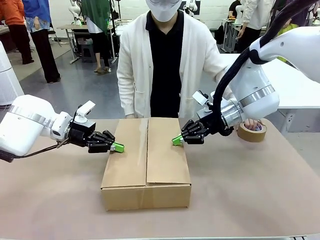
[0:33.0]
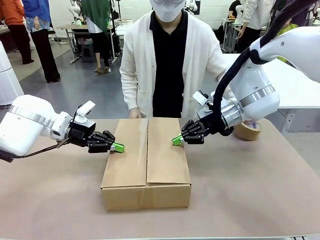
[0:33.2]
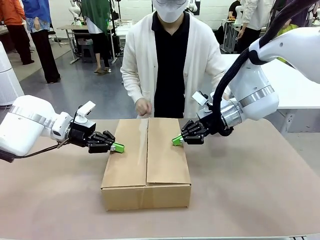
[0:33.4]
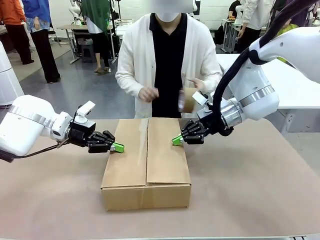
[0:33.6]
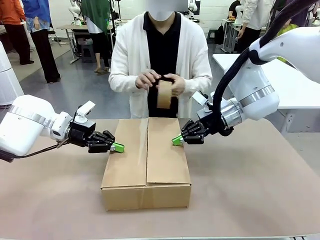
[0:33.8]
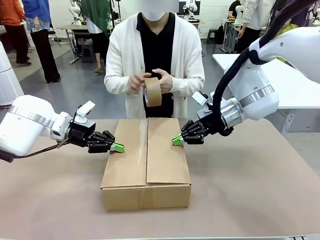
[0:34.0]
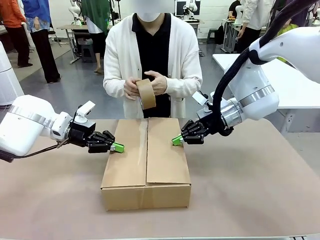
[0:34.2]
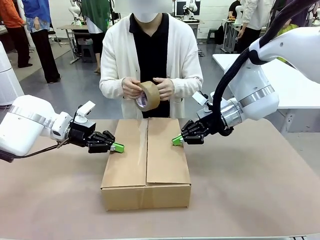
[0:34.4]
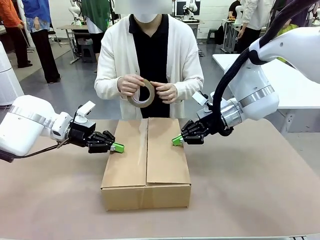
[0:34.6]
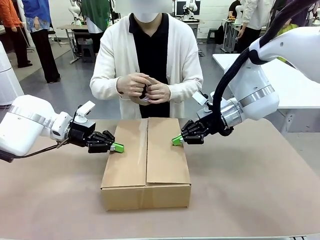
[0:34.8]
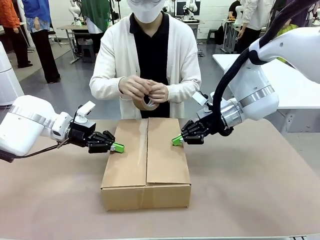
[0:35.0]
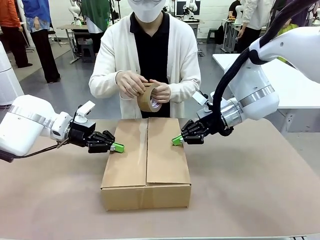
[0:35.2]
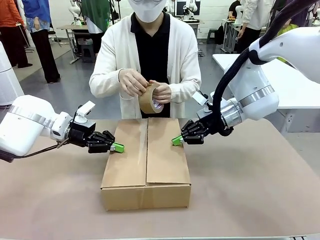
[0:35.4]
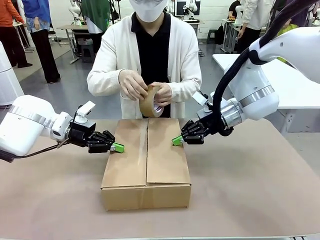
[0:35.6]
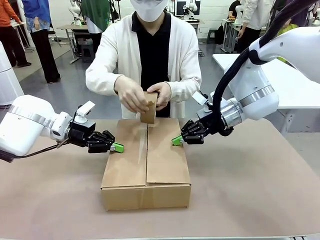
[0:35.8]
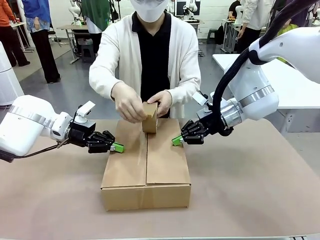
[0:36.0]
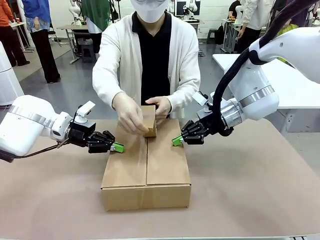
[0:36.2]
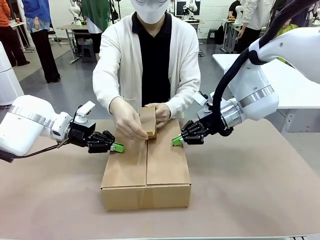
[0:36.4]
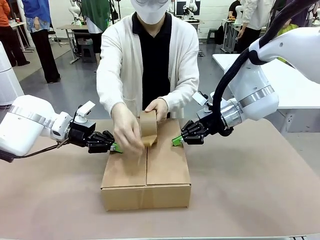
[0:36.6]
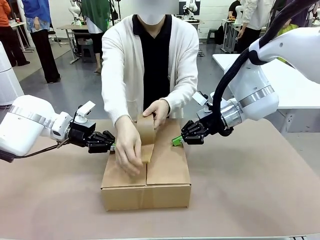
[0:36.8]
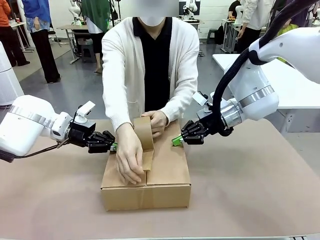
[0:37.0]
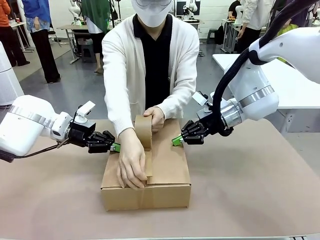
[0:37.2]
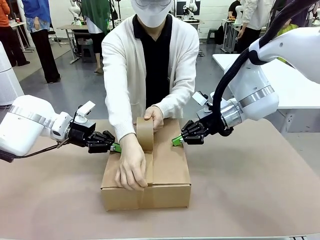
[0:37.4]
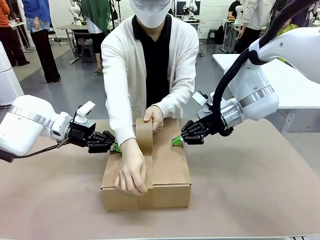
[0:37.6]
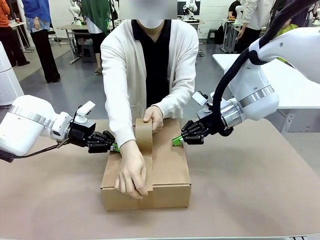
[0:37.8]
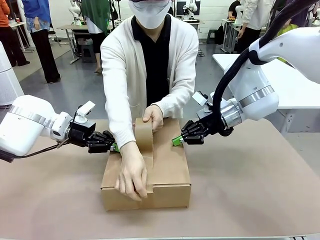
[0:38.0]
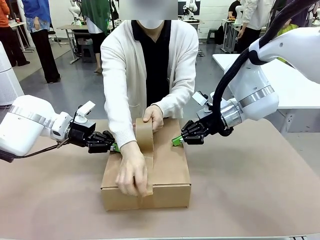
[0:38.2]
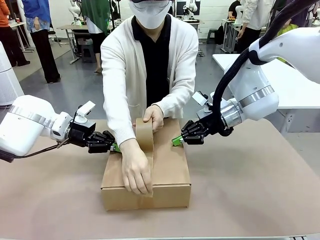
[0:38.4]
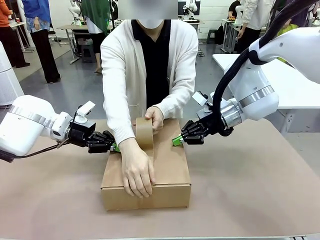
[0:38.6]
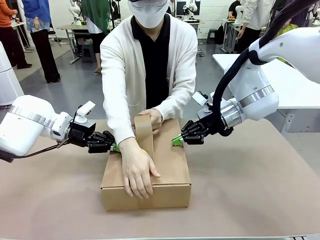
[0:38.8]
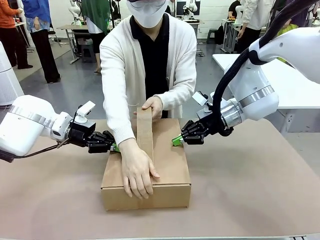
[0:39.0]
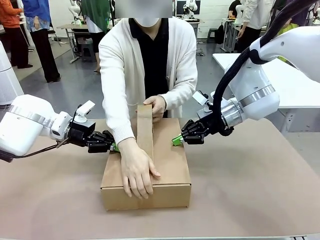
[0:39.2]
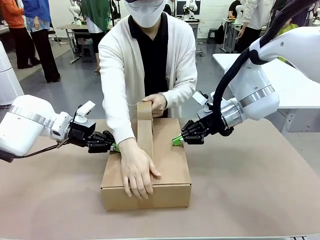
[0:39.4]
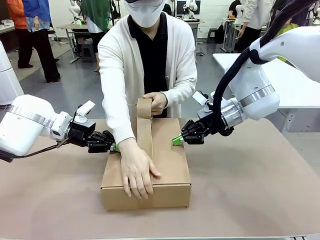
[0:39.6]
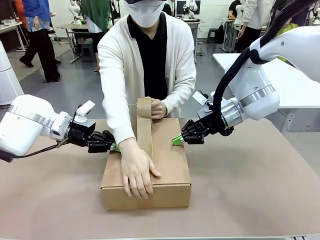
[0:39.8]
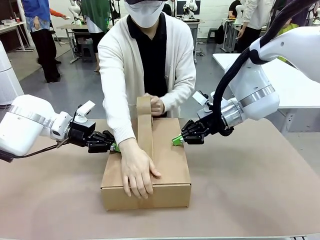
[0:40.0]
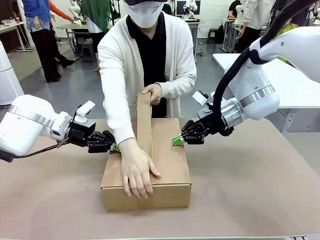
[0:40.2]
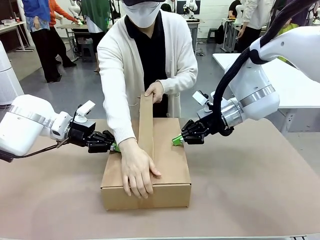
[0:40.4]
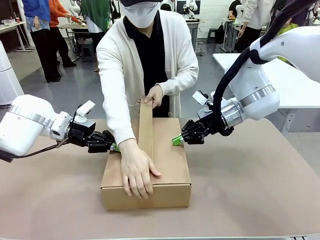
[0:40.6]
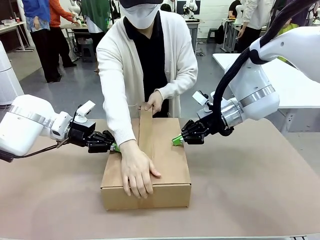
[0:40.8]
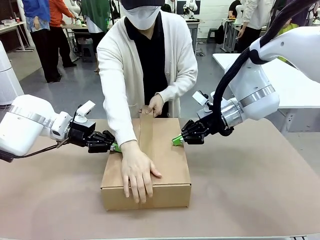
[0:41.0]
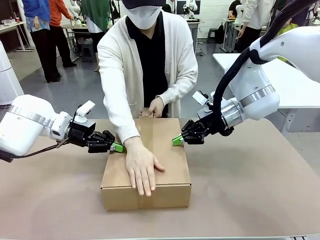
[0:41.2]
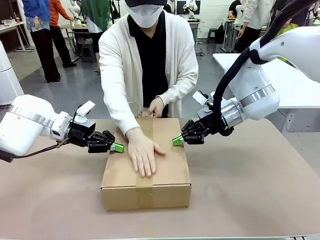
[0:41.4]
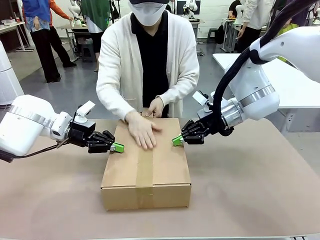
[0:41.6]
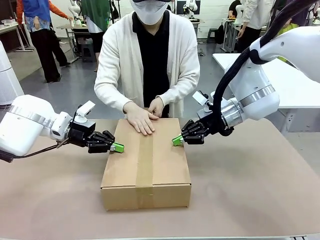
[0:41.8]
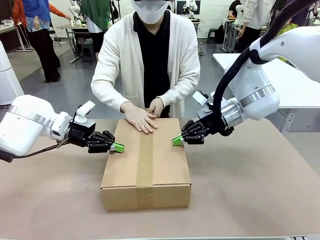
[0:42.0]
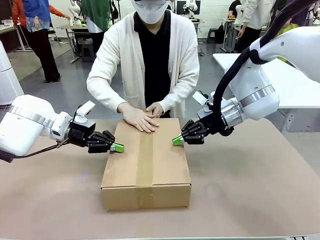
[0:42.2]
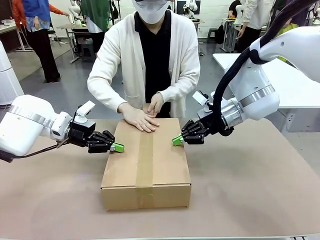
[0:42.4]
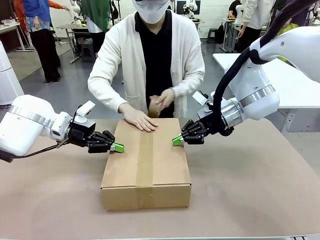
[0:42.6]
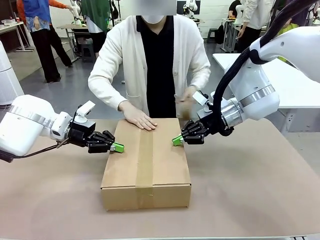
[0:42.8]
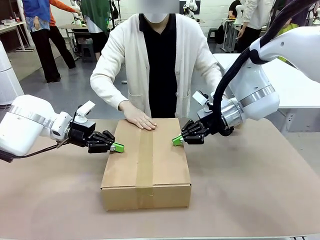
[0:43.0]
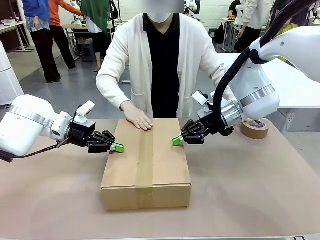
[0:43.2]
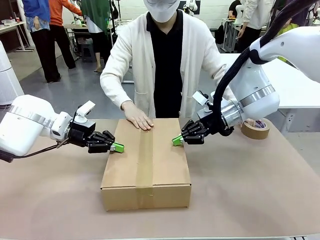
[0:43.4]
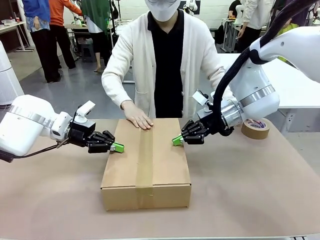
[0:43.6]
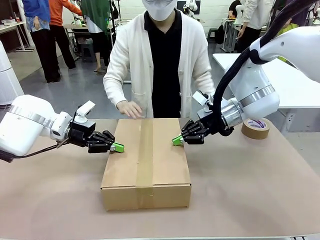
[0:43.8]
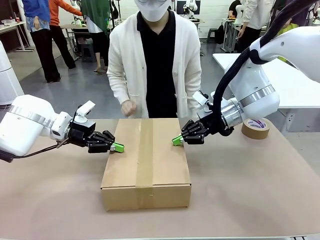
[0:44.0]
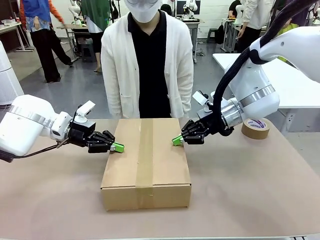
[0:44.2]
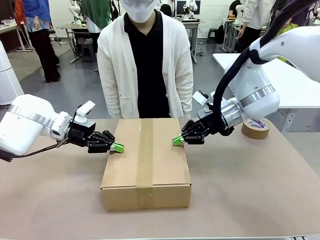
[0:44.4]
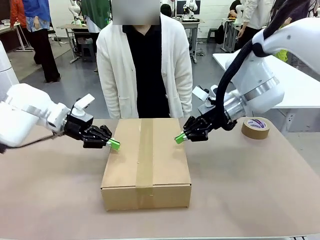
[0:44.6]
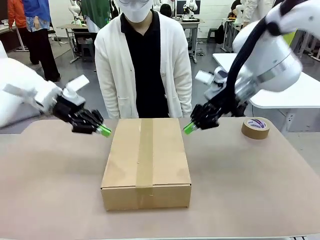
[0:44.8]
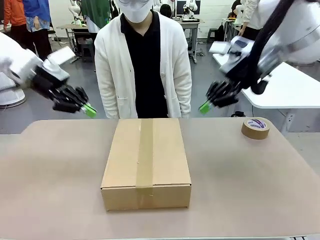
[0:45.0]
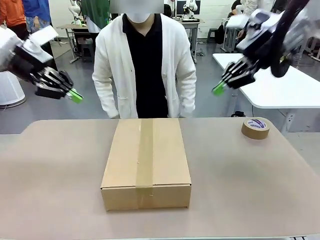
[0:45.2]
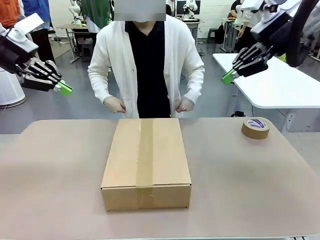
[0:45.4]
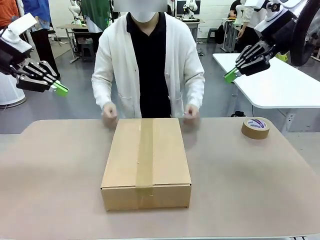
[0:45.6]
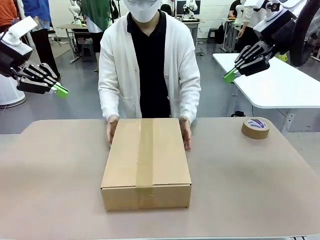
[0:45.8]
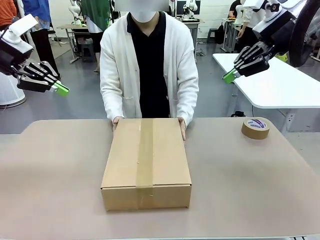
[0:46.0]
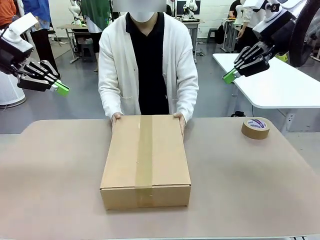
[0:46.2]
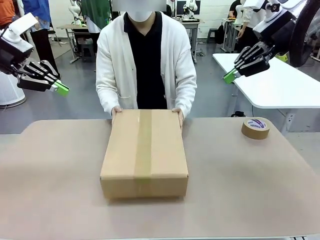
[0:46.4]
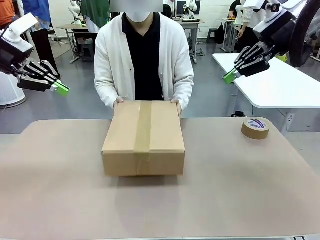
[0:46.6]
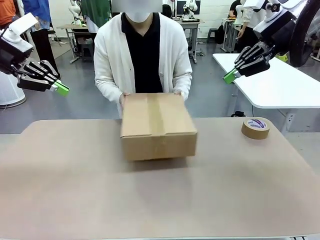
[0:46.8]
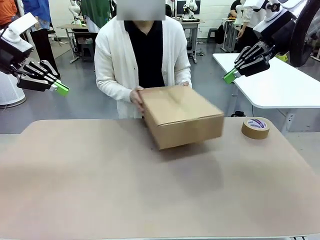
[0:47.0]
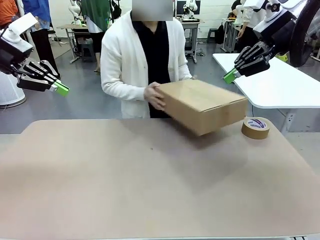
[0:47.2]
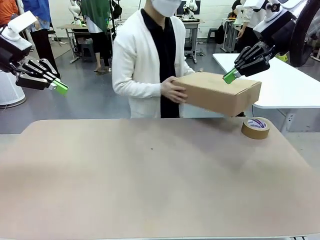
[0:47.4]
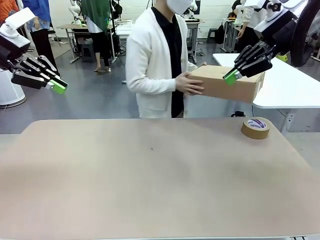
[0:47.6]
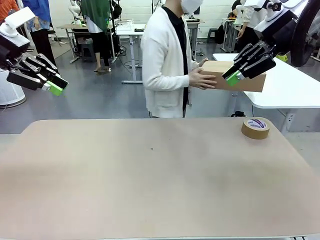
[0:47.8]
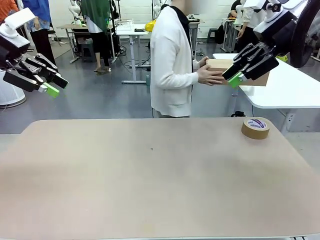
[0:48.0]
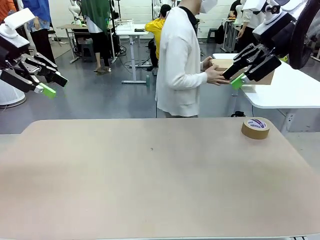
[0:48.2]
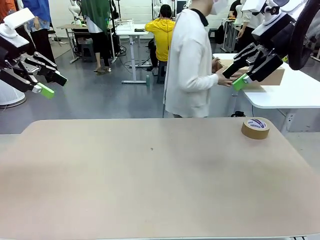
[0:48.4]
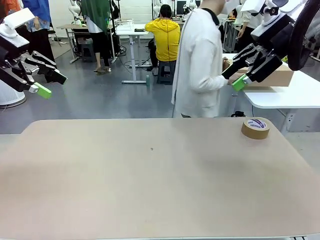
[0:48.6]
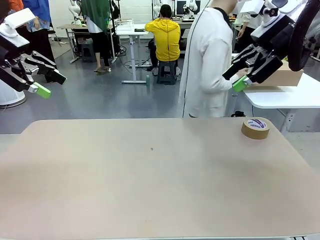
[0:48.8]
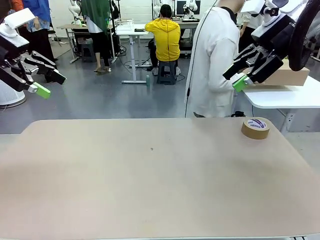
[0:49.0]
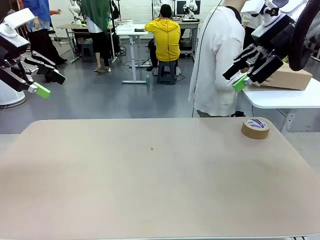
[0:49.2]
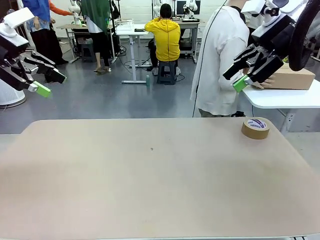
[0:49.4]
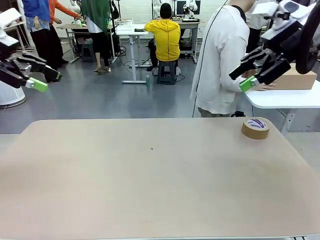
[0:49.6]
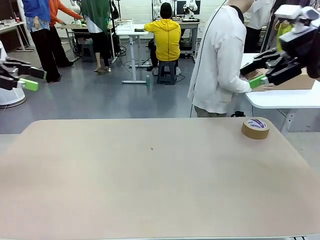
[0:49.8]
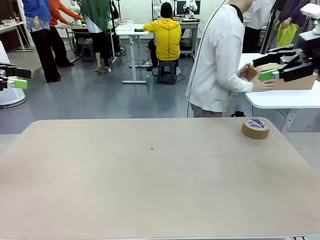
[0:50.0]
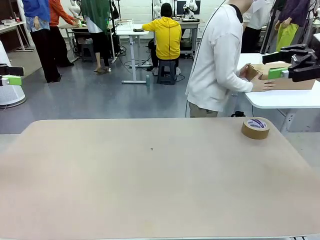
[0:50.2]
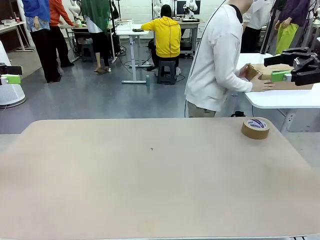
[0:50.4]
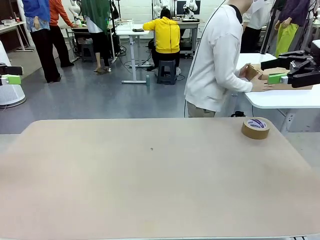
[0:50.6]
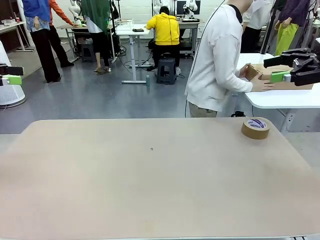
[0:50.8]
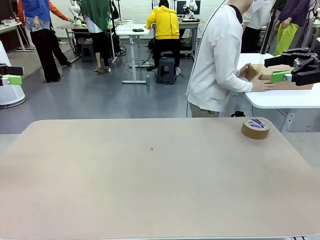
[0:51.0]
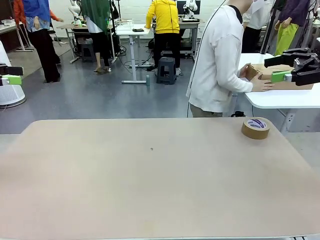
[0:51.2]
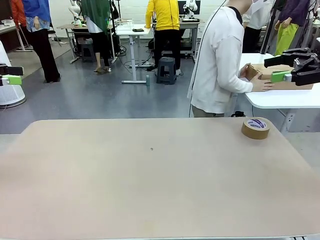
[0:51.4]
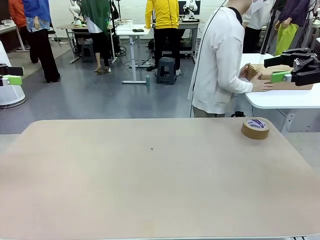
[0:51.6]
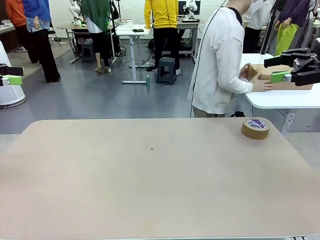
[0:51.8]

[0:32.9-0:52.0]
Task: Wrap the clocks to prevent damage.
Robot: After the human seals the box with tape, release both hands from the side flaps of the Package Box.
Person: Once the robot closes the left flap of the Package Box , seal the box with Paper Tape. Place sealed Package Box in the middle of the human's table.
